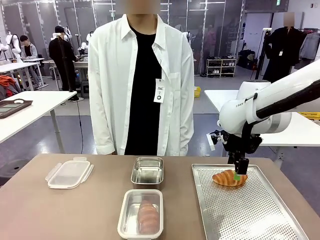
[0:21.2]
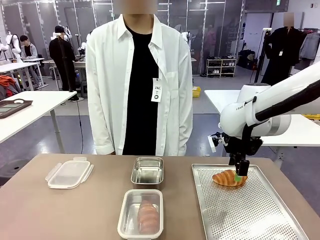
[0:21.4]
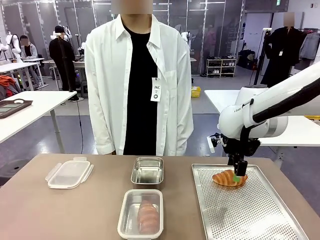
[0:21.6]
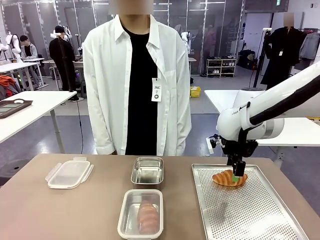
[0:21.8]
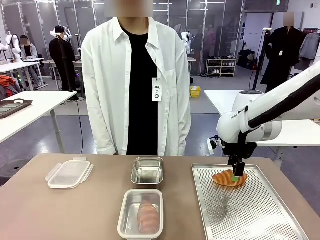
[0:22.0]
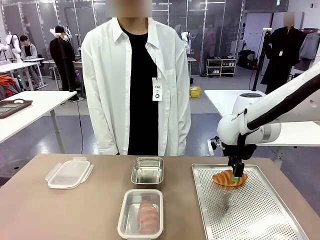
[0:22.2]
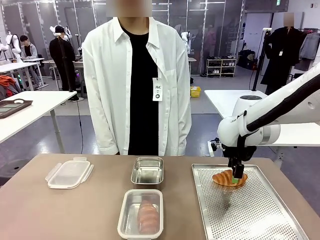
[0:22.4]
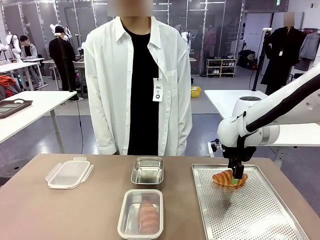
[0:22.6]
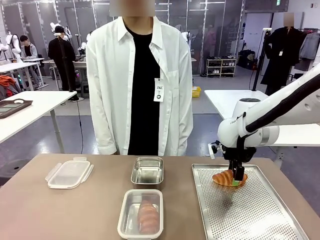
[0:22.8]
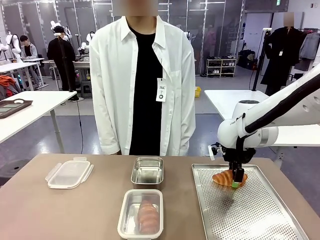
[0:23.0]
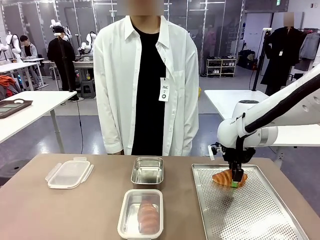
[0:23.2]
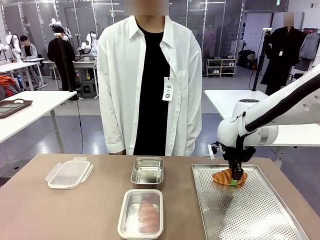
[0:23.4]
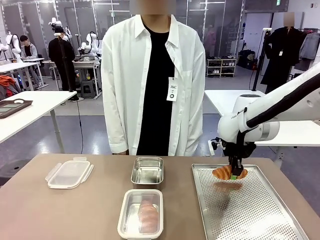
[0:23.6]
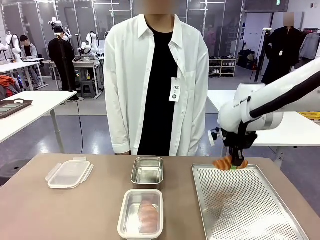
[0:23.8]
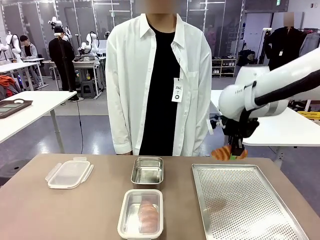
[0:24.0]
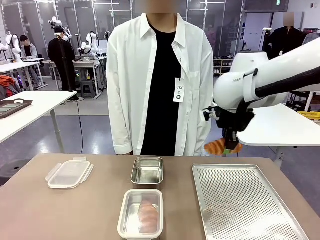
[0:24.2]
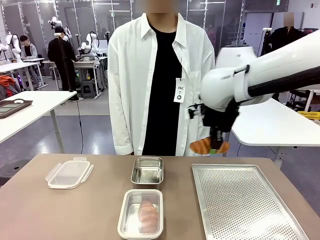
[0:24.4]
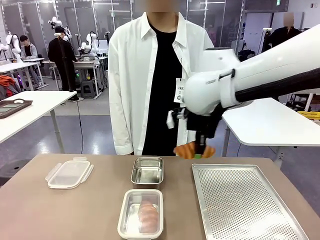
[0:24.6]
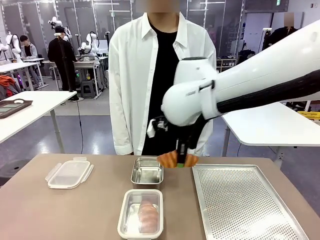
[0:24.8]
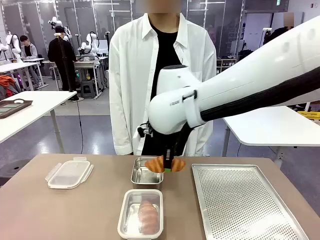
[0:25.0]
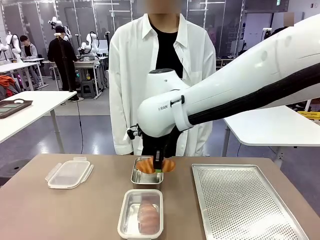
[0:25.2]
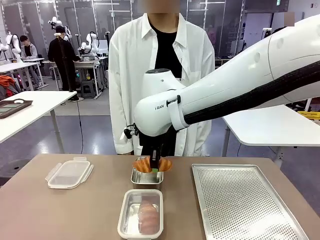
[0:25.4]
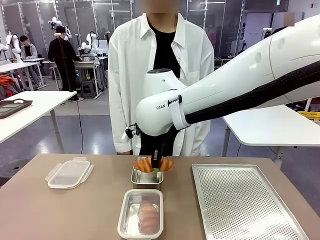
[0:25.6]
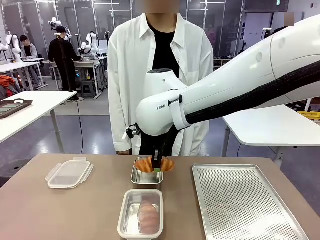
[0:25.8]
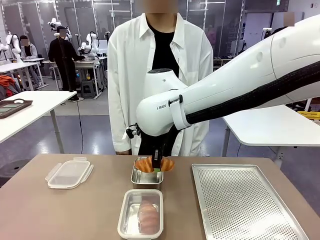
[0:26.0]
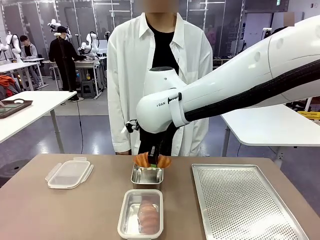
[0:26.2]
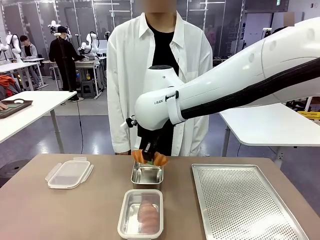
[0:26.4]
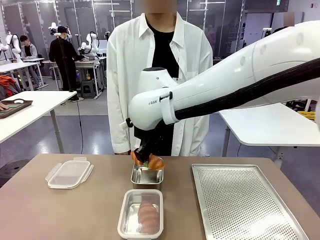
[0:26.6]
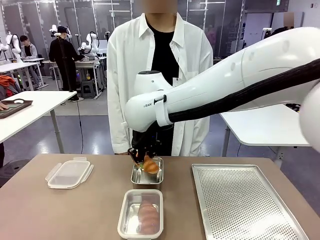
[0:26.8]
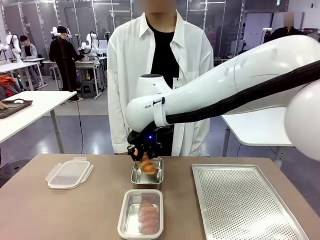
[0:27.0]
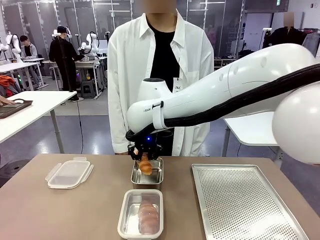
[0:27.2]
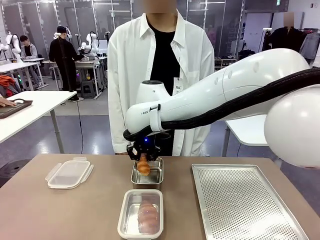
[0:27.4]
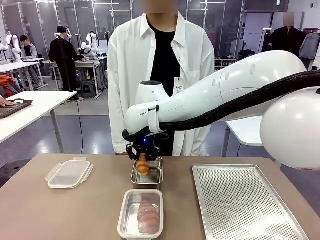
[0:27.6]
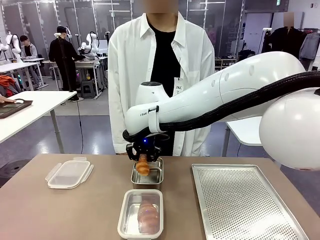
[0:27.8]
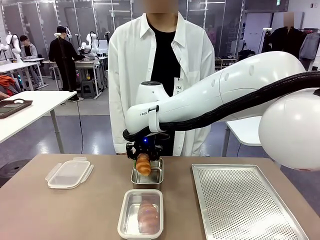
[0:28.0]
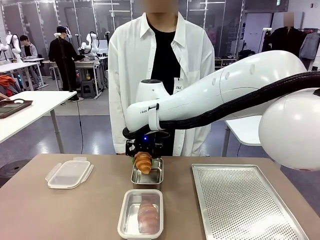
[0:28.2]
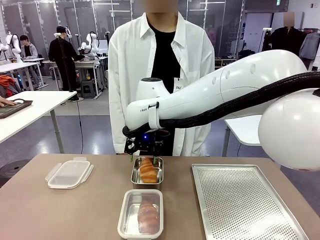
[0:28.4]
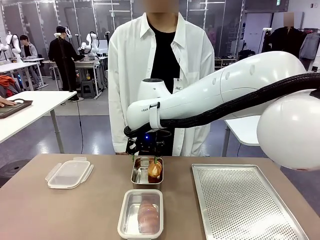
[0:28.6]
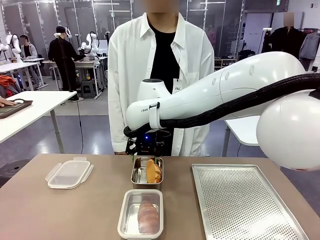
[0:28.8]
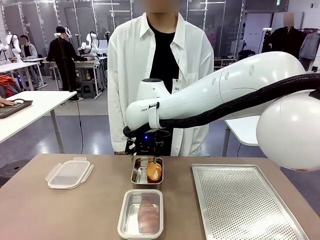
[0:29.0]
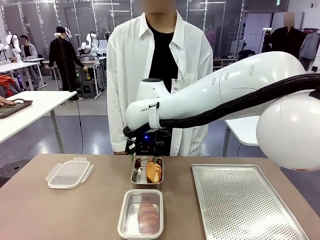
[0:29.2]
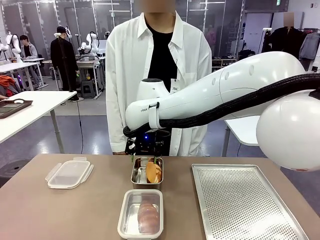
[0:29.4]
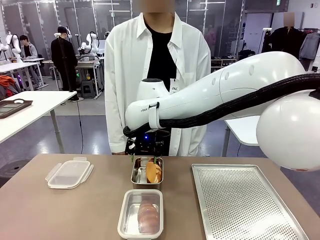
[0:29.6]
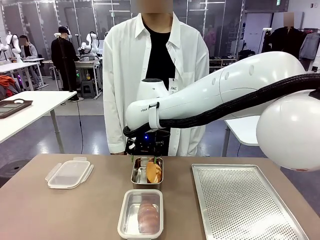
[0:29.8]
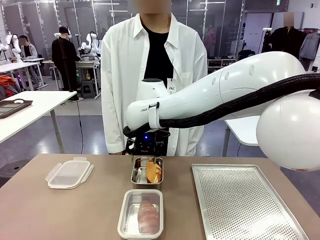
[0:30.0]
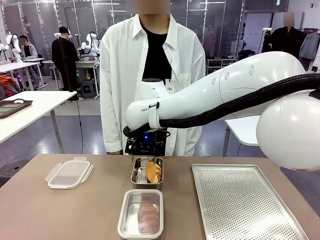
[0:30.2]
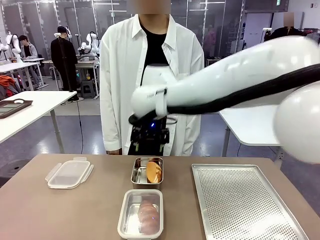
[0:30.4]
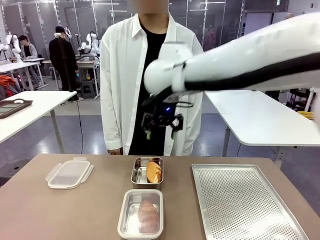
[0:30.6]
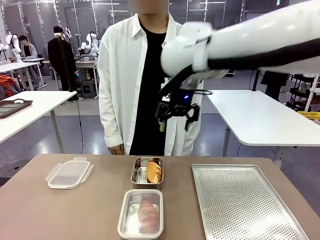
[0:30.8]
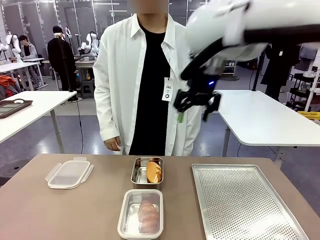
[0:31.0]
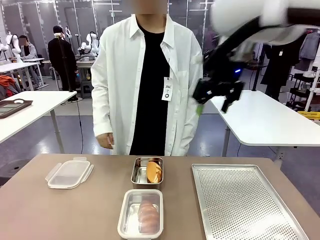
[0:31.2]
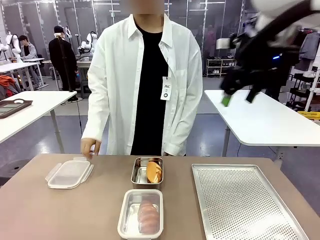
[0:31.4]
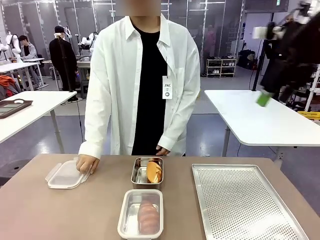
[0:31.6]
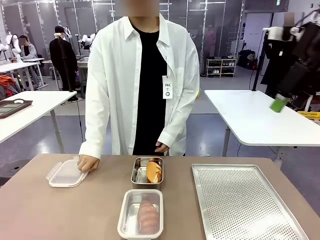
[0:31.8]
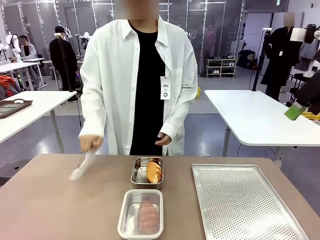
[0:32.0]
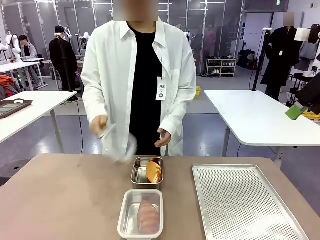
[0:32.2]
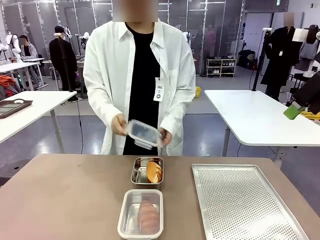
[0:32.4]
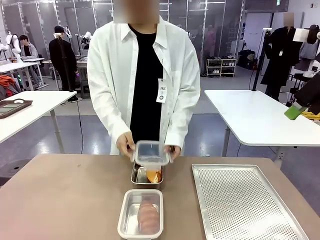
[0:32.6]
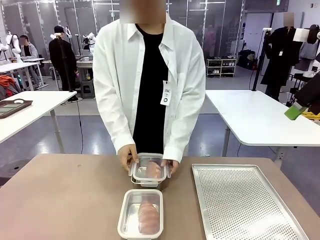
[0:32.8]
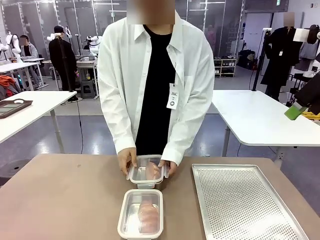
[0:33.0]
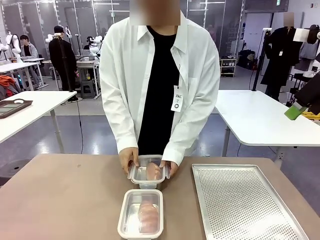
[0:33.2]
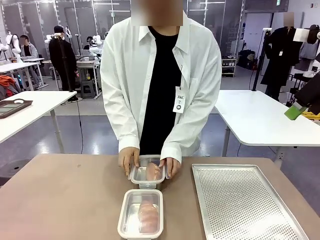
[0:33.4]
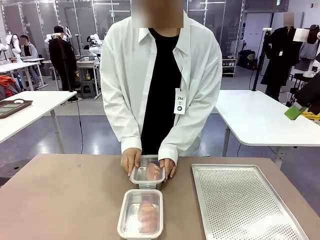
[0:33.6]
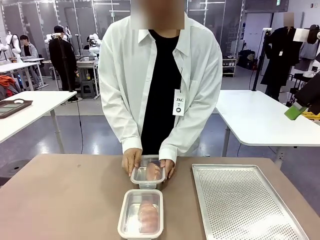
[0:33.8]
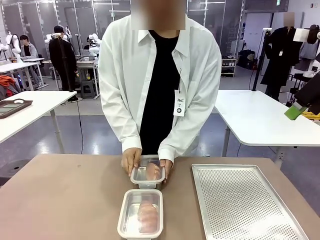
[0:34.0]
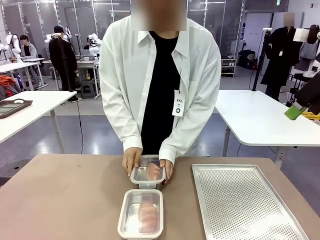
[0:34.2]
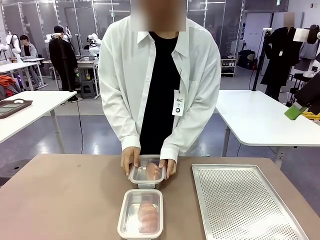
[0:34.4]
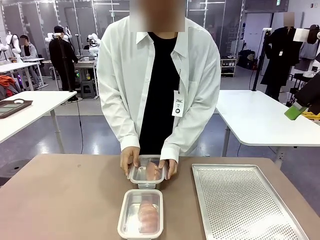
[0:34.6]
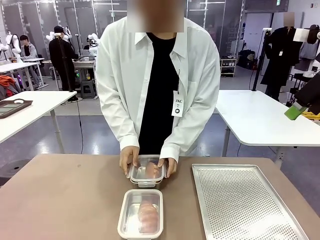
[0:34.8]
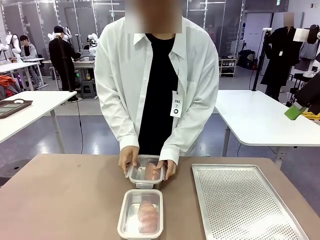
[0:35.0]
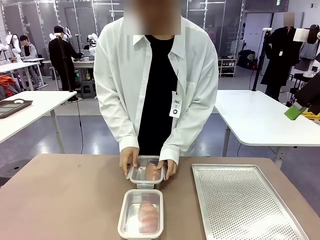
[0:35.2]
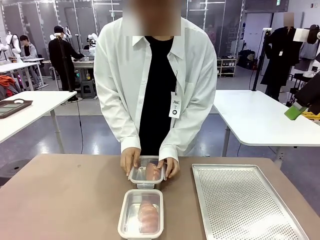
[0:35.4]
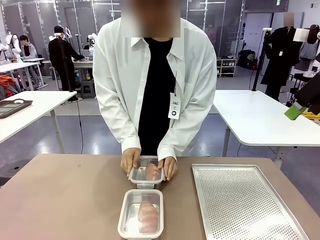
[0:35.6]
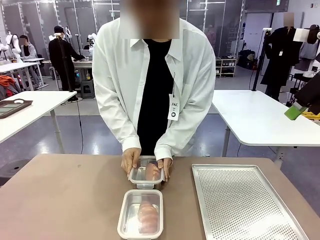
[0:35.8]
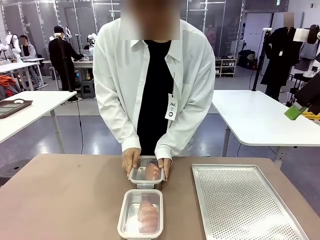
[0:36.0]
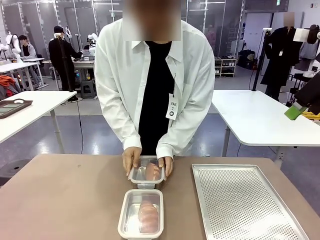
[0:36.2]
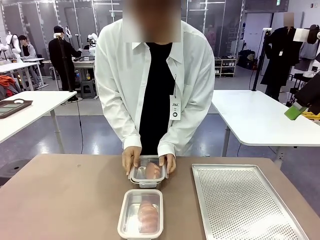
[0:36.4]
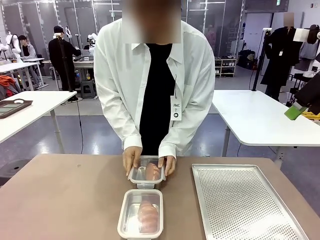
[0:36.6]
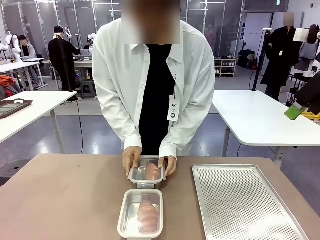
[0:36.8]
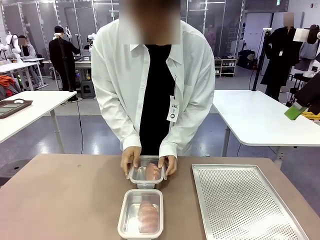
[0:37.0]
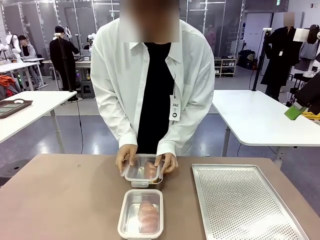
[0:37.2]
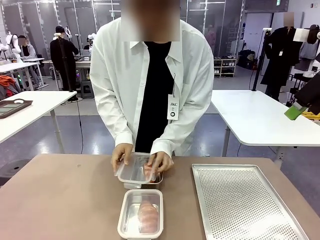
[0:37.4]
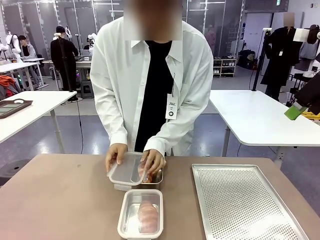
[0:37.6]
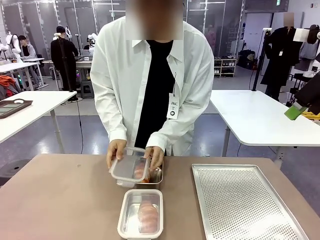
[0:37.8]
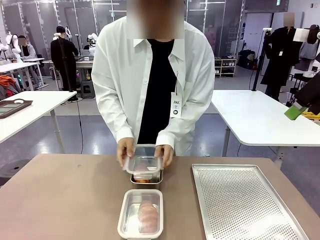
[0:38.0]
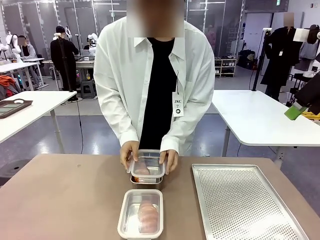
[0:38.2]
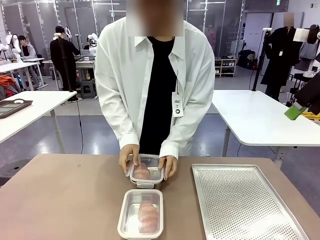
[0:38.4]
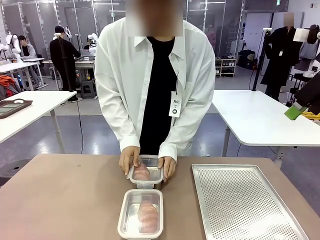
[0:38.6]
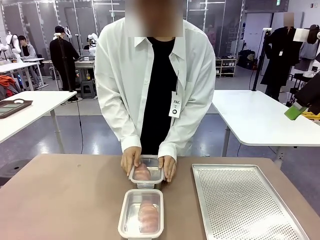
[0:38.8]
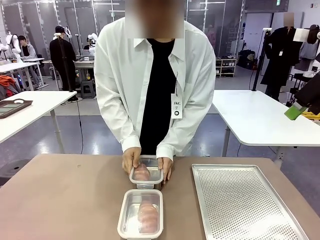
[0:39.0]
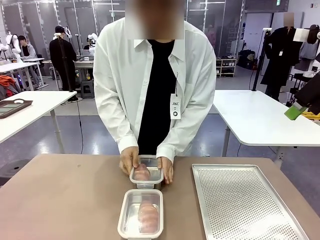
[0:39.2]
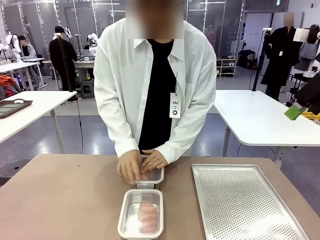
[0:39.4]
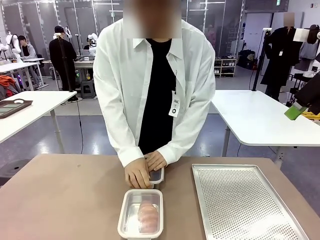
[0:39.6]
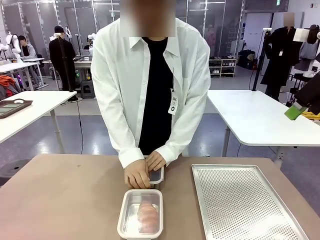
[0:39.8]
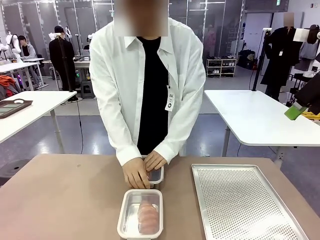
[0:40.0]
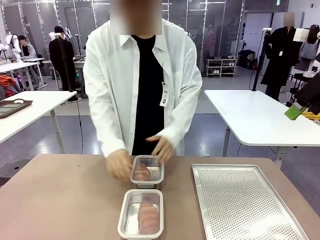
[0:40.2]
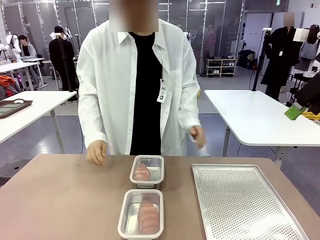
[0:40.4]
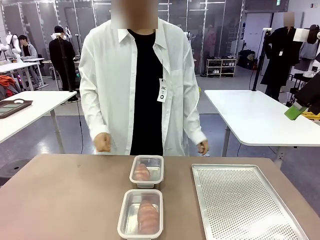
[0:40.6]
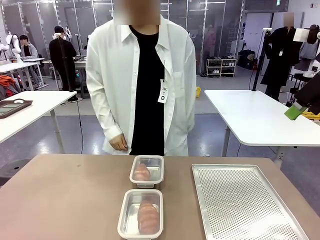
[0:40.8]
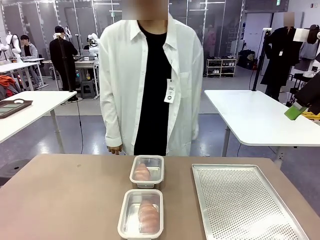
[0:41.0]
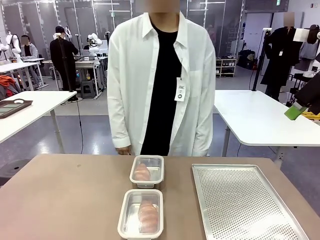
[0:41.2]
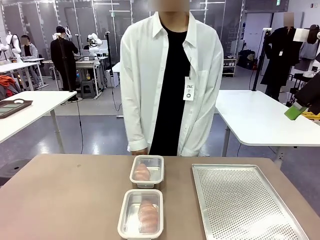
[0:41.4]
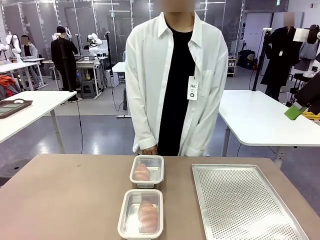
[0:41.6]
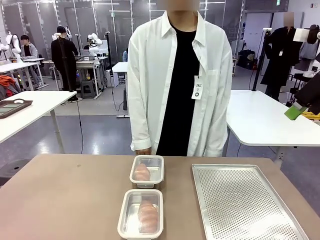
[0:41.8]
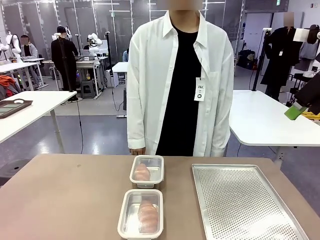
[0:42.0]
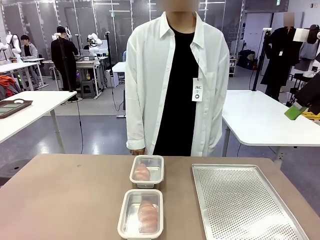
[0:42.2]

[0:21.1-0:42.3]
Task: Place the bread into the airtight container.
Robot: Pick up a Butter Roll and place it into an empty Airtight Container.
Person: Once a Butter Roll is inside an Airtight Container , close the lid of that Airtight Container.
